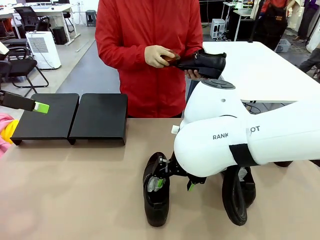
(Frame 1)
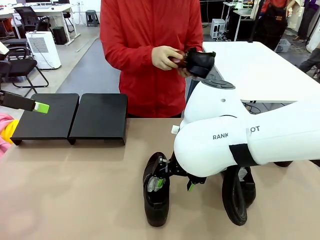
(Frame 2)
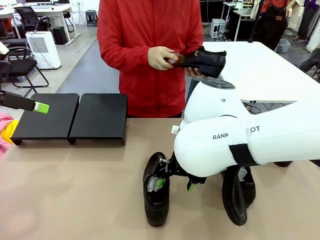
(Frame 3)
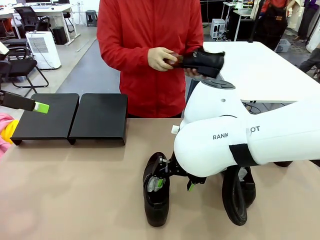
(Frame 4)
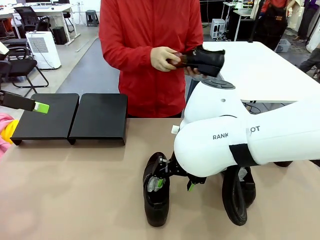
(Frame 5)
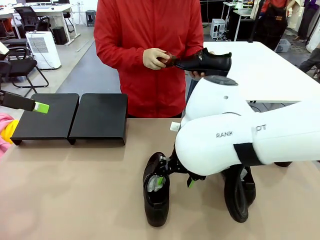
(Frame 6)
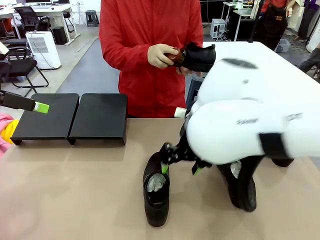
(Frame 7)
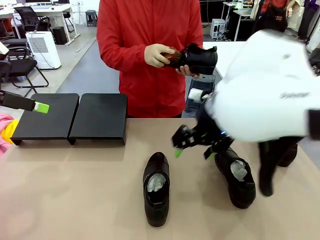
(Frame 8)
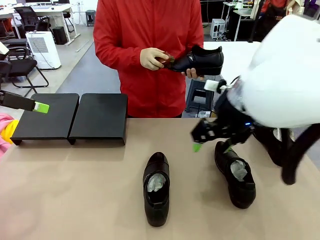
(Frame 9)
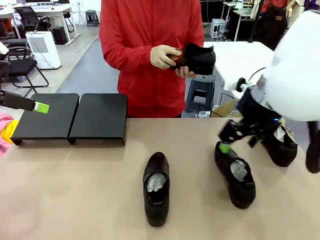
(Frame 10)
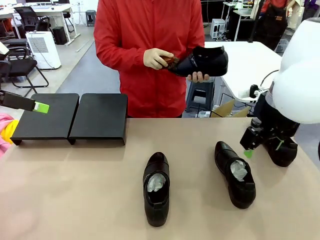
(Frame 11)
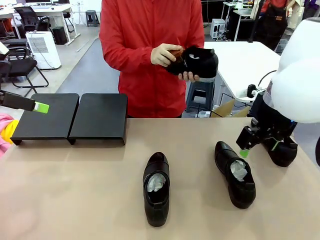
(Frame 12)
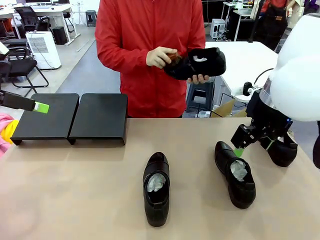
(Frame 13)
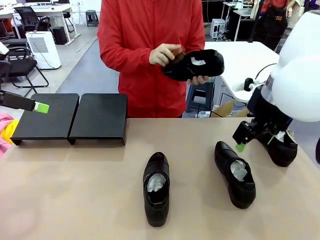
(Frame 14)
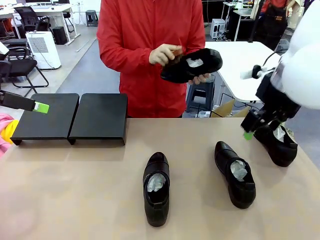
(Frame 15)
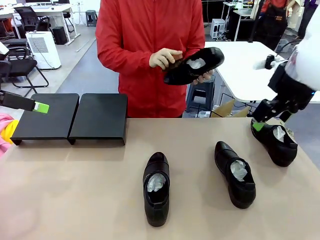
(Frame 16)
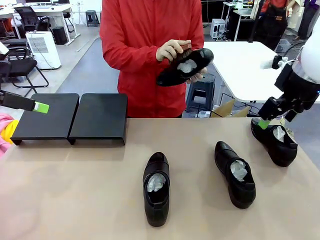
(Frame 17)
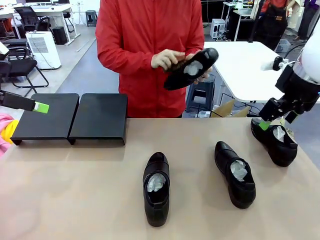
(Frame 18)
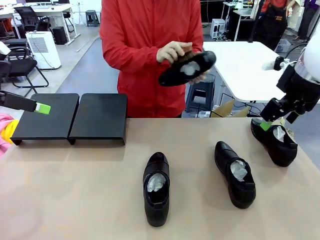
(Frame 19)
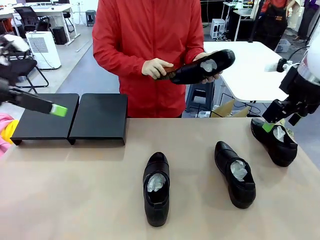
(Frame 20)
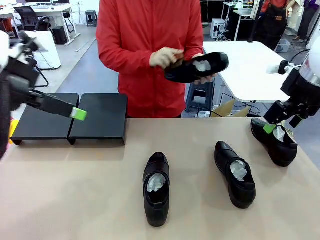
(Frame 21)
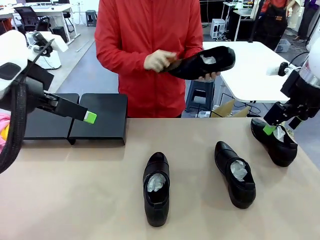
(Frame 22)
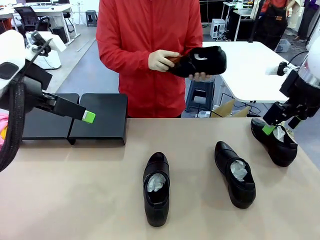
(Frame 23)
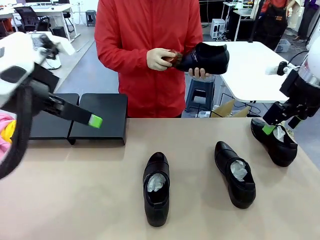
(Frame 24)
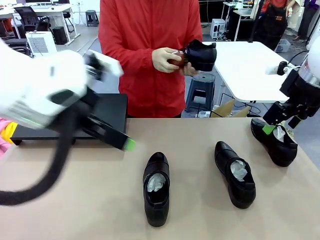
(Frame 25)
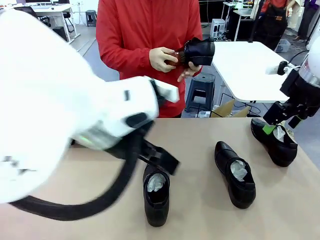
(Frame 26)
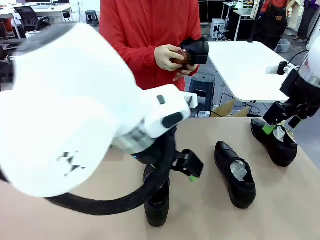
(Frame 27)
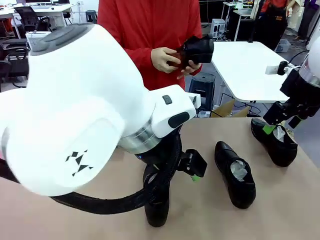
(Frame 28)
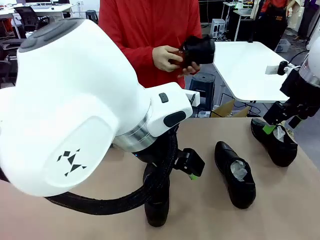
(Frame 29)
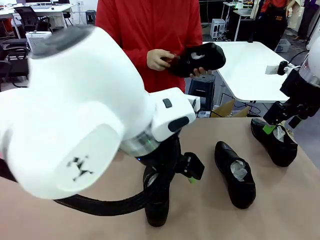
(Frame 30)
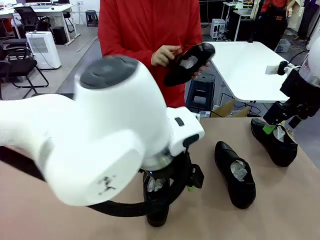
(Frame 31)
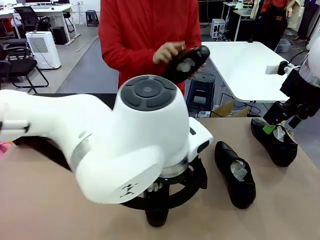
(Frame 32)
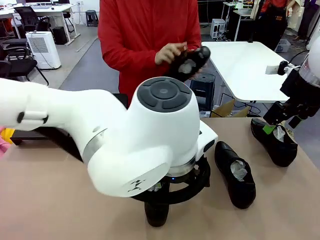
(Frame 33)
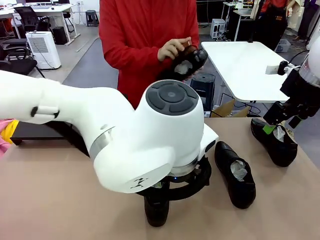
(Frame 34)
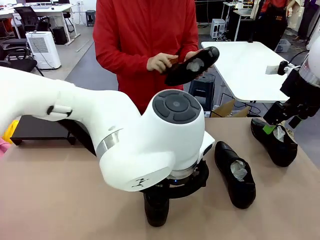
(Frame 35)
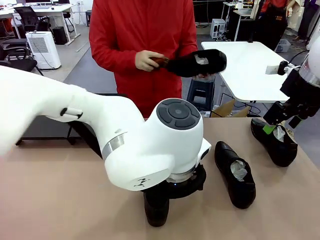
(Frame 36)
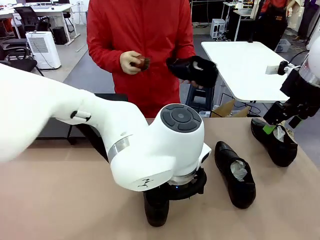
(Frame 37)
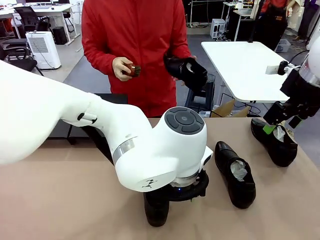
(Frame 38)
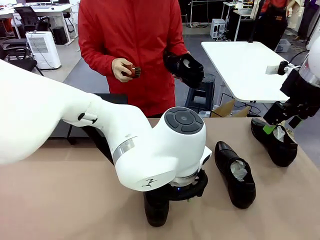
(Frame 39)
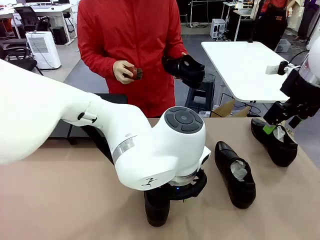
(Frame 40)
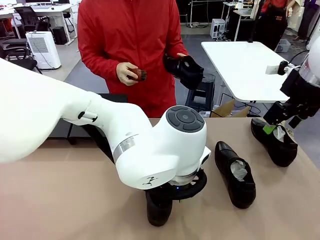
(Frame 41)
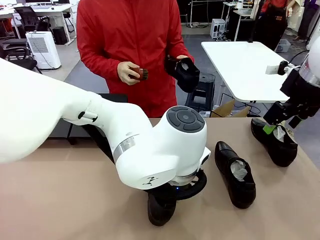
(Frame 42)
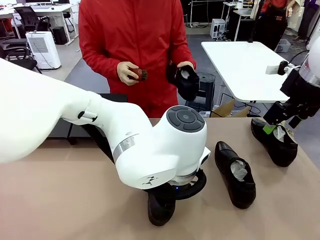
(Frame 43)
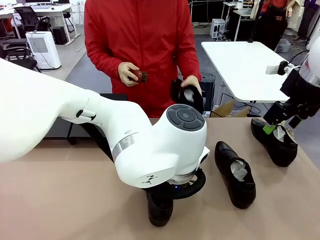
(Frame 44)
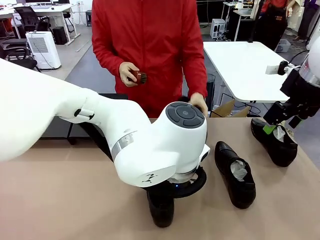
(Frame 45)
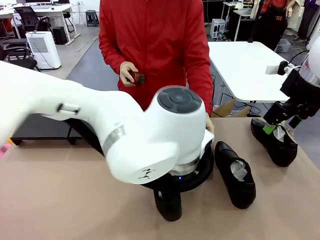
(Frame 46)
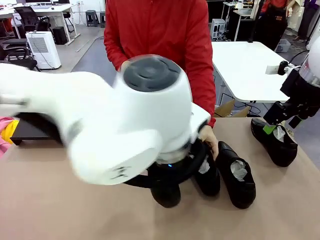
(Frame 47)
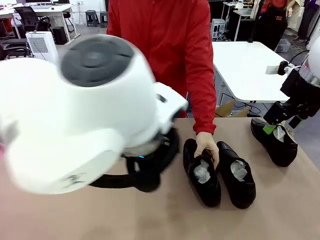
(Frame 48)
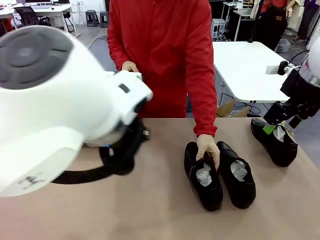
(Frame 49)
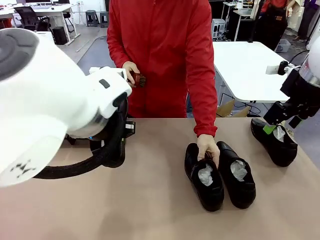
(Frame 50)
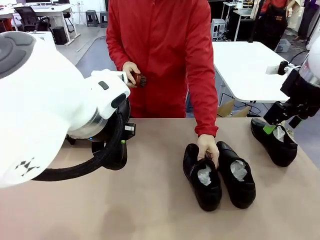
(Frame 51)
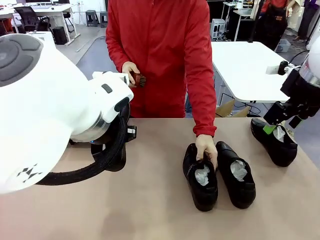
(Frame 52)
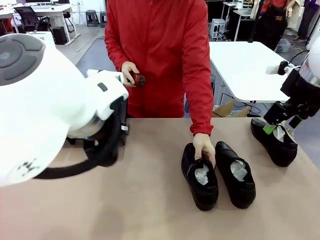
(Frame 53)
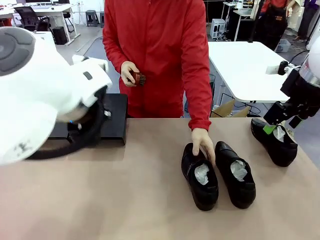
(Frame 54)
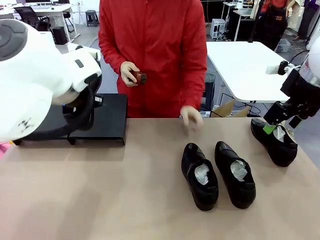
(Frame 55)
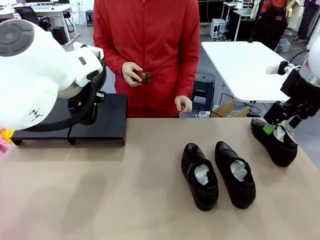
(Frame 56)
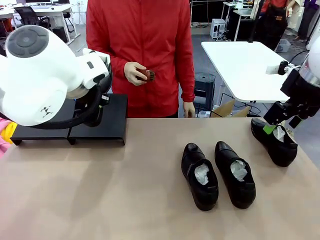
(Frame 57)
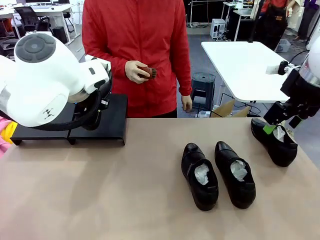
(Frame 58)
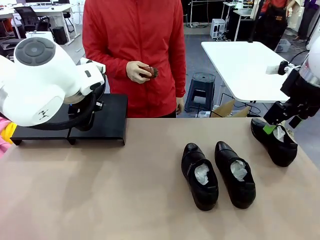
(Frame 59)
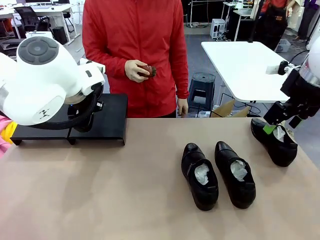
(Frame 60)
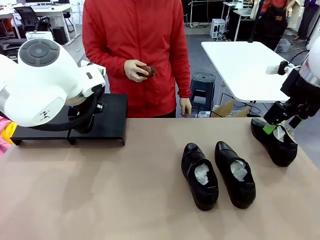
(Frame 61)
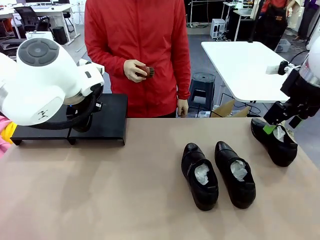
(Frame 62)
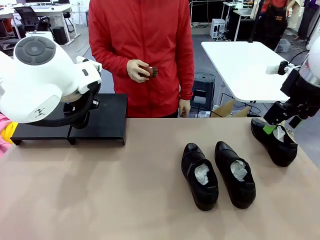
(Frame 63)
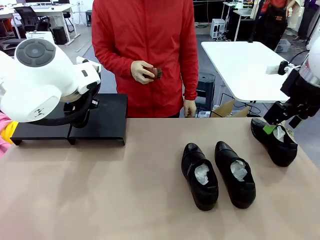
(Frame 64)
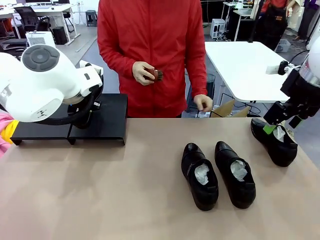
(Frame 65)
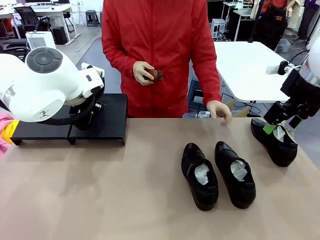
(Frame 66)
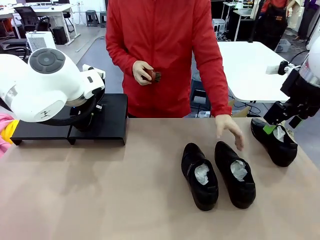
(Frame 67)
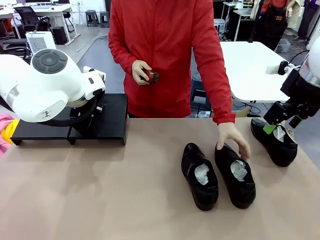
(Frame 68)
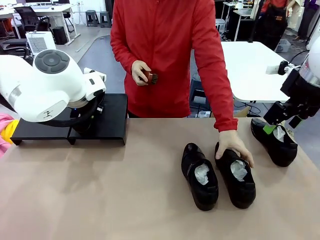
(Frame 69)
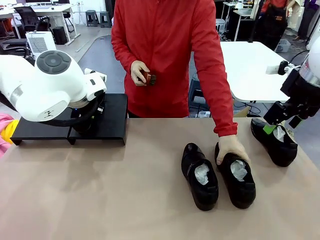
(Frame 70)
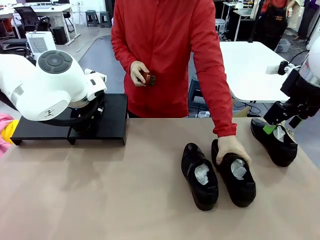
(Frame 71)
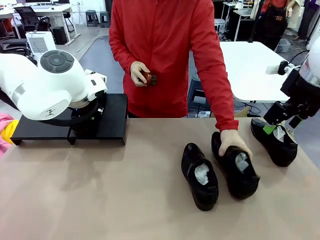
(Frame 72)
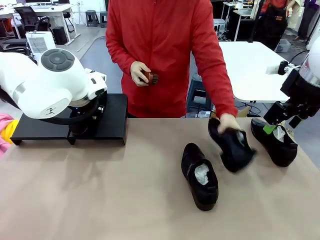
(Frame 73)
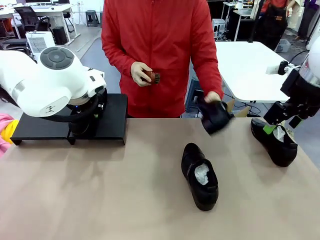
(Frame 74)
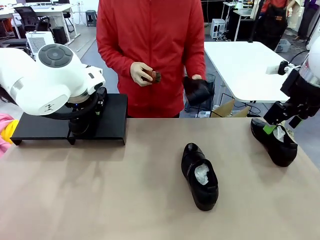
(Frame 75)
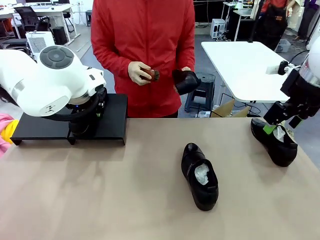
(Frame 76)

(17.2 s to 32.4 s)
Task: Organize the shoes by placing them on the stand.
Robot: Place the Shoe from the middle of the table onto the Shoes Stand.
Person: Place the Shoe on left side of the Robot's table. Pick one Shoe on Robot's table.

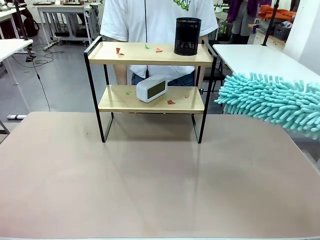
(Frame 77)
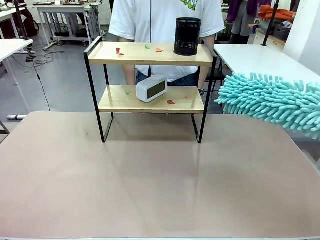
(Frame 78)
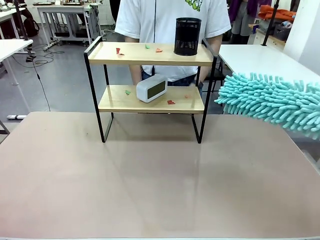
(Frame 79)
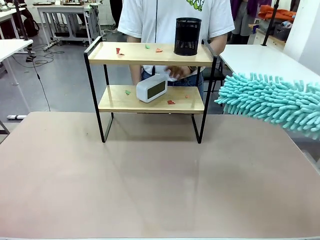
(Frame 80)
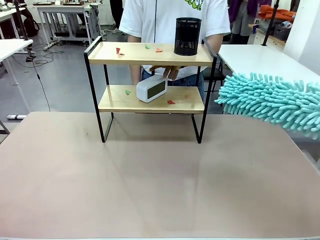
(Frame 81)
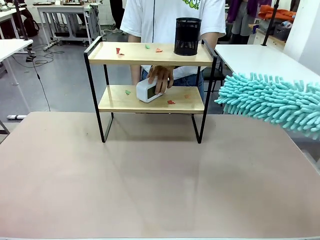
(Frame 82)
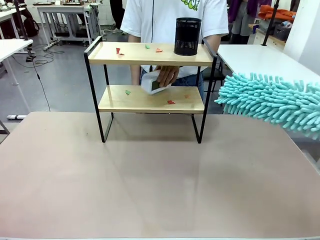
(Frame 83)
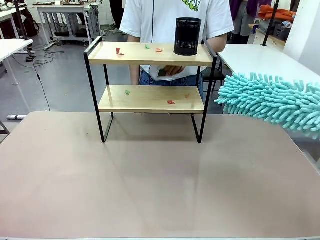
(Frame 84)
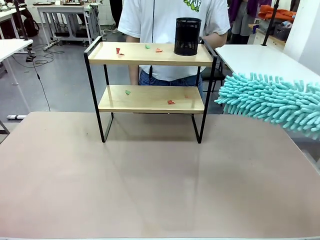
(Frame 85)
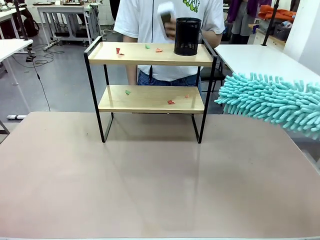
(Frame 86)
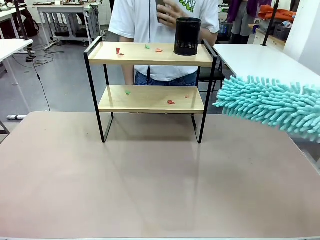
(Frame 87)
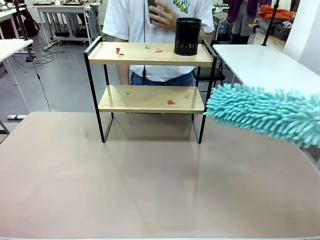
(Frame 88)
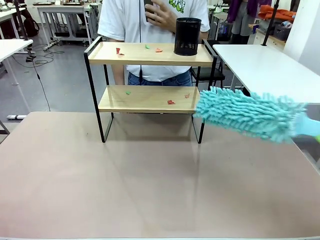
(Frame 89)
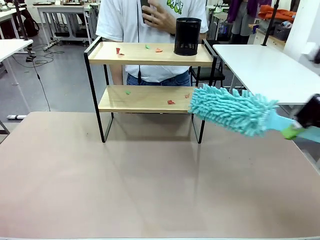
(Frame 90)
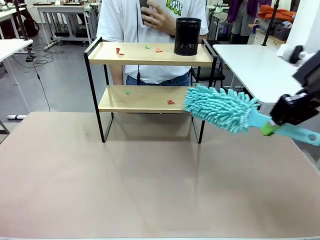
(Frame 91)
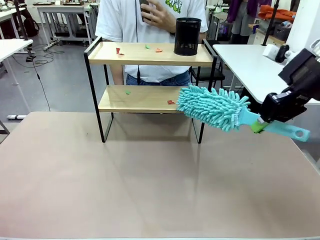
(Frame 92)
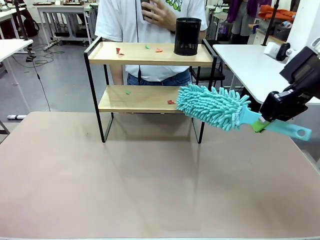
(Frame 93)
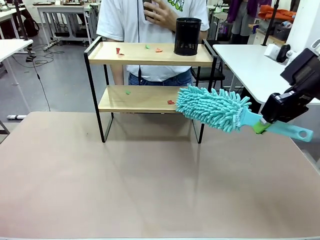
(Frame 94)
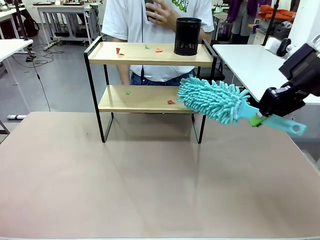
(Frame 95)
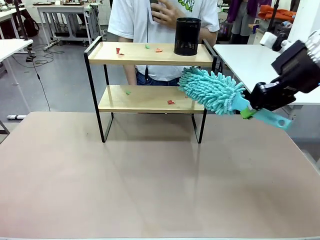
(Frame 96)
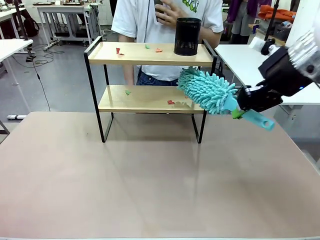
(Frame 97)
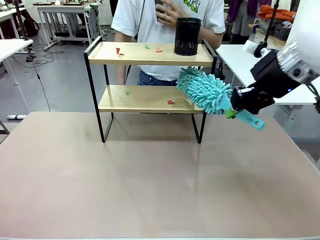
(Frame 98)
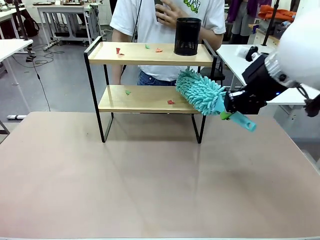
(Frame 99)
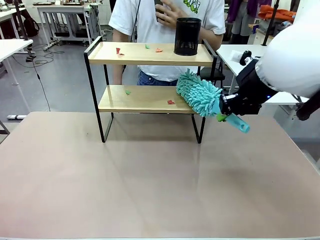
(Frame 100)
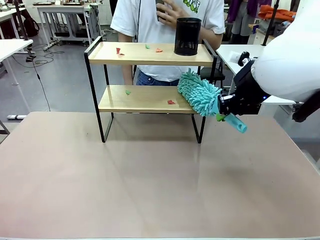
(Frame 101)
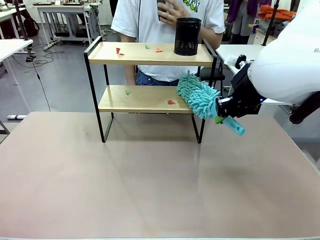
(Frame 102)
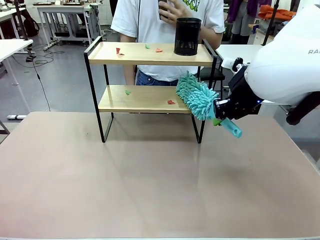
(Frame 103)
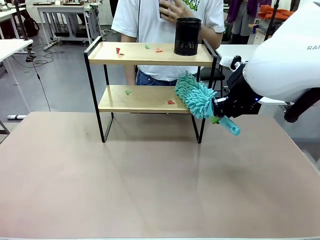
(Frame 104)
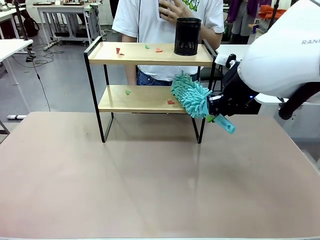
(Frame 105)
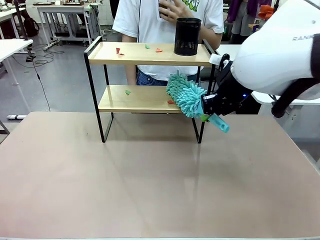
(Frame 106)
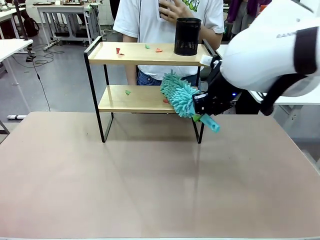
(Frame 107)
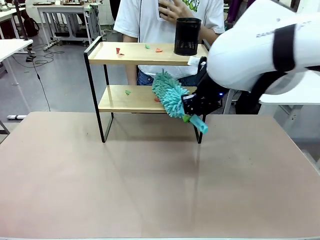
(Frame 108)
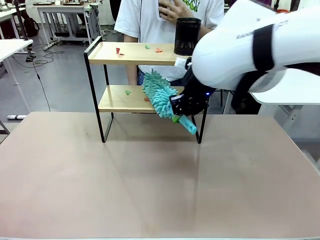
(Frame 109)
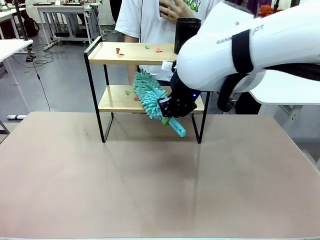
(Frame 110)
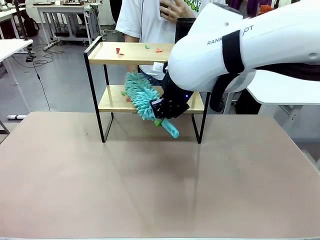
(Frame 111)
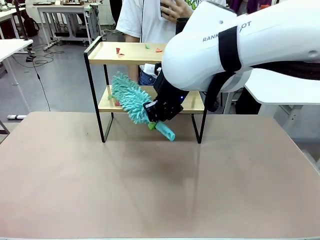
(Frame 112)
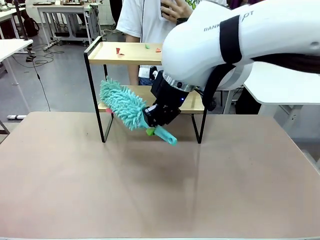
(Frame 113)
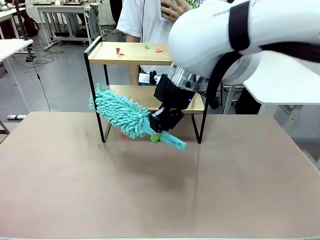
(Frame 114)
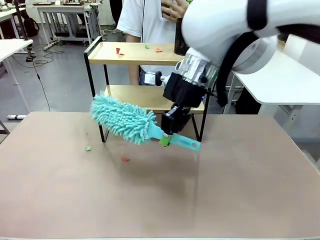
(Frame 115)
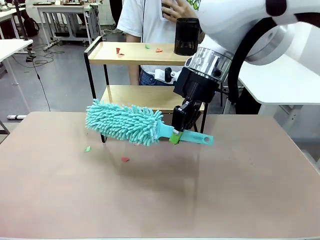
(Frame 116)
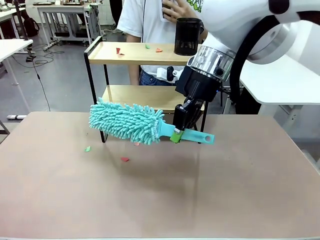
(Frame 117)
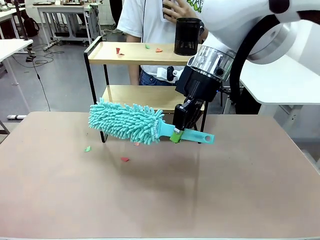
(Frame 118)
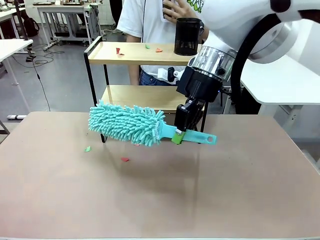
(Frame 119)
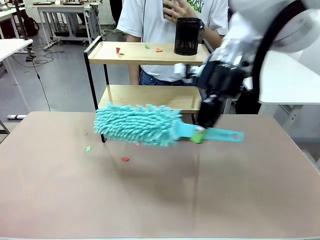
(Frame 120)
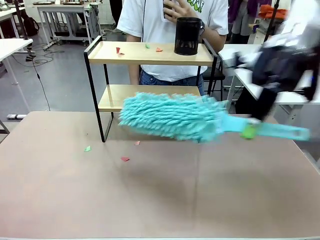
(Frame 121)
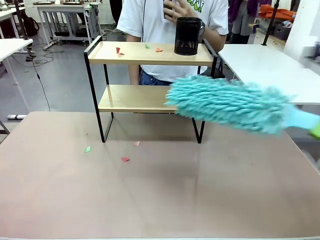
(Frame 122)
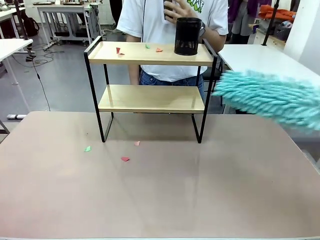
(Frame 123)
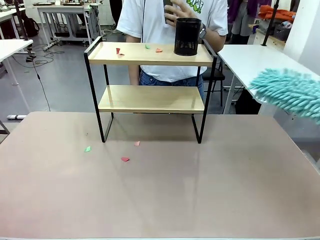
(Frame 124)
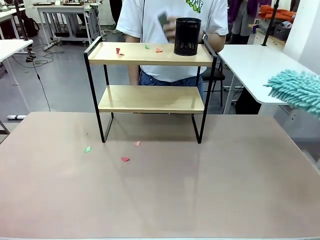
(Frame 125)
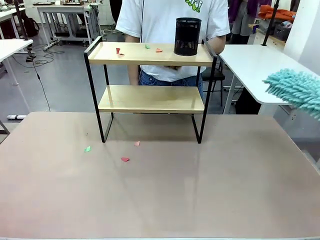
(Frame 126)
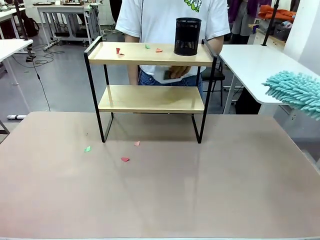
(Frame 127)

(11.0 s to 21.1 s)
Task: Clean the shelf.
Robot: Clean the specific tier of the Shelf with the Duster once objects are removed.
Person: Lift the objects on a randomly selected tier of the Shelf. Once the robot finishes cleaning, lift the objects on the remaining tiers of the Shelf.
